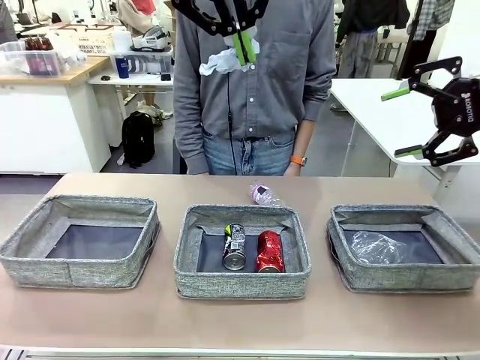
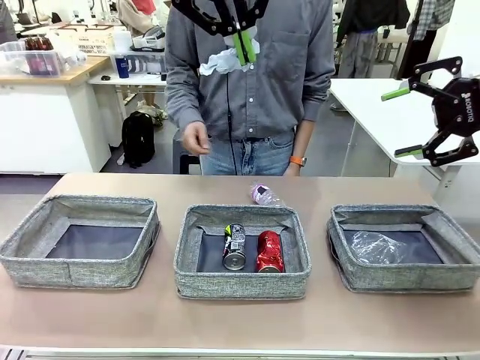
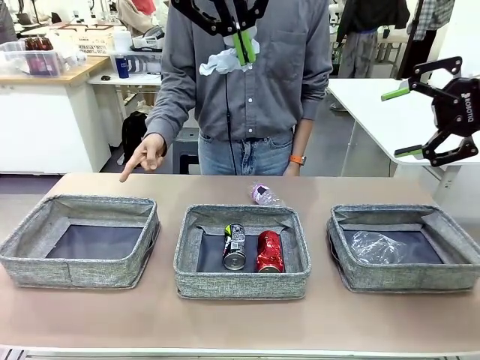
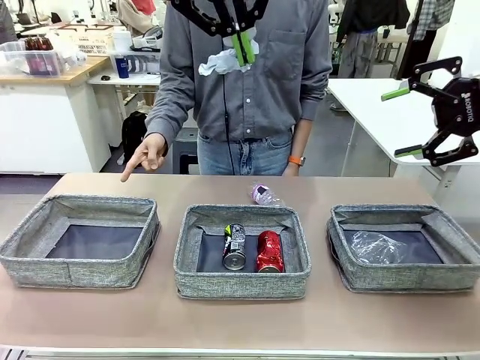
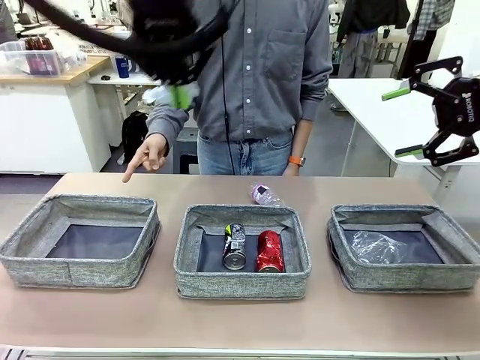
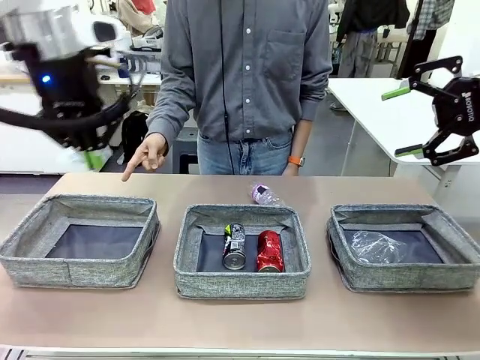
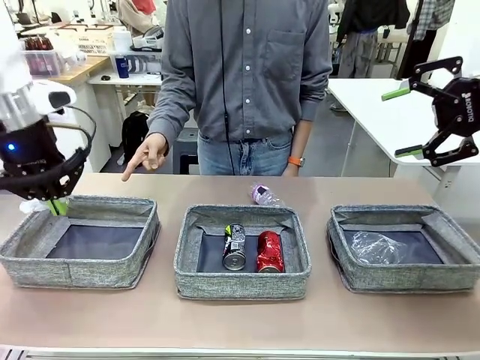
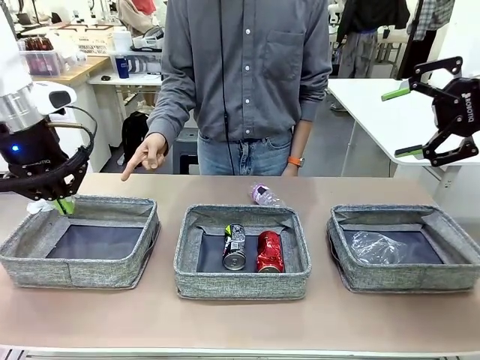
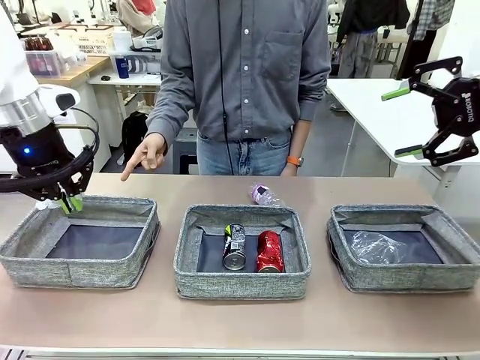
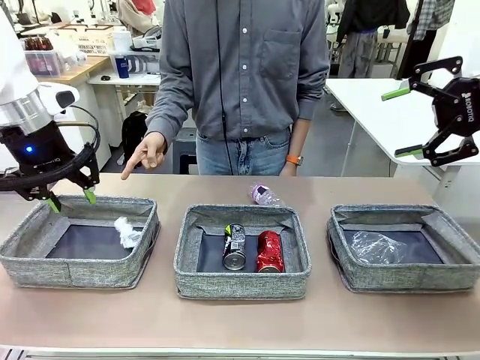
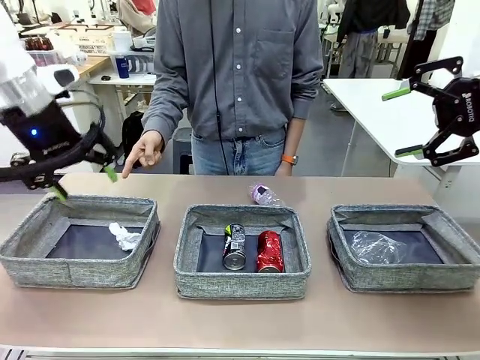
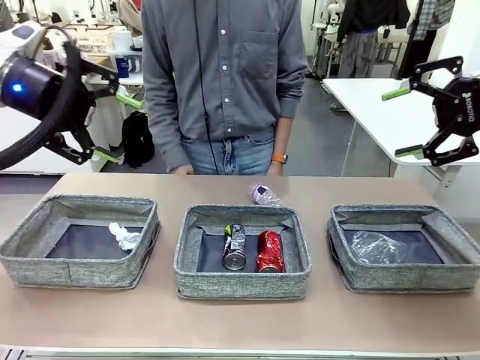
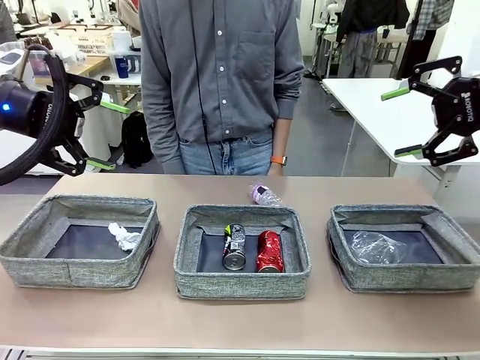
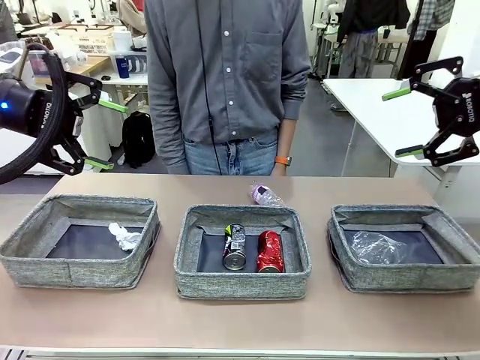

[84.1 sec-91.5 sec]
Task: Sort the waste into the appropriate baskets.
Robot: Place the picked waste into the Fabric basket indicated by the person.
Person: Instructs the robot to place the picked-up trash into the appropriate organizing basket.

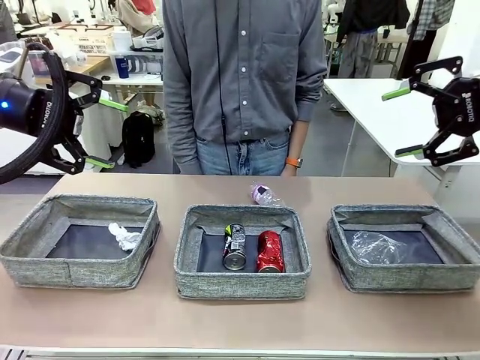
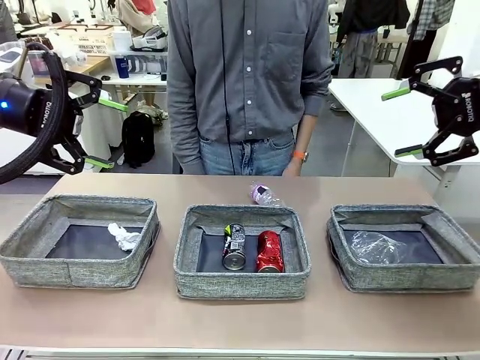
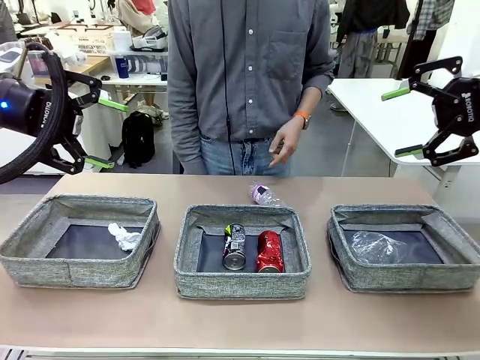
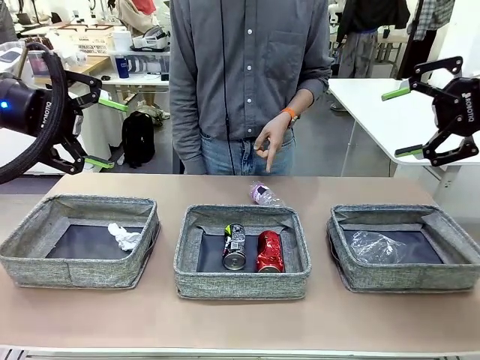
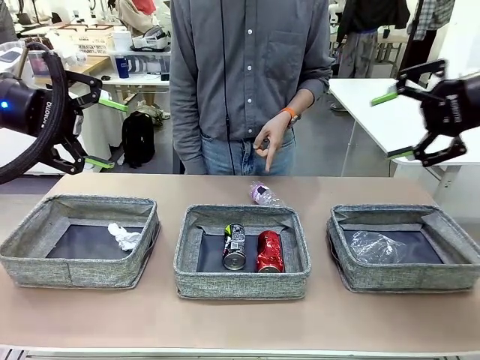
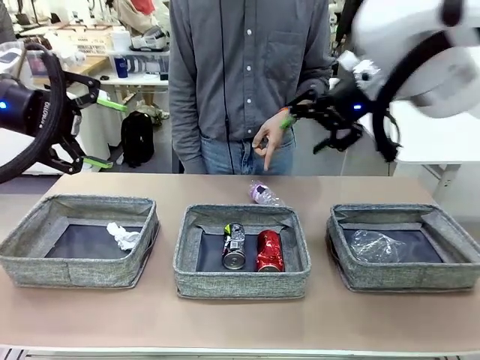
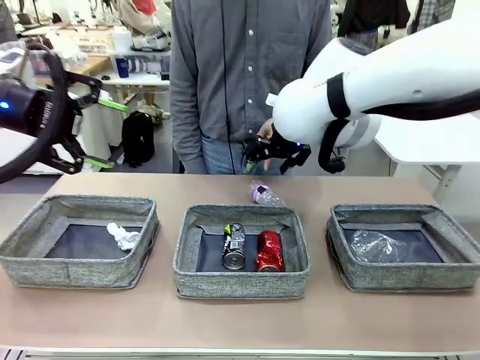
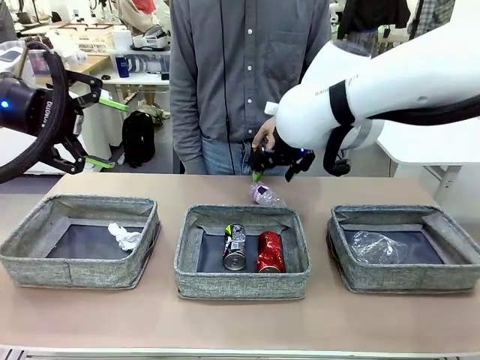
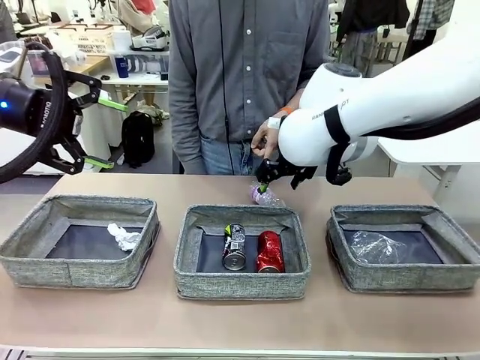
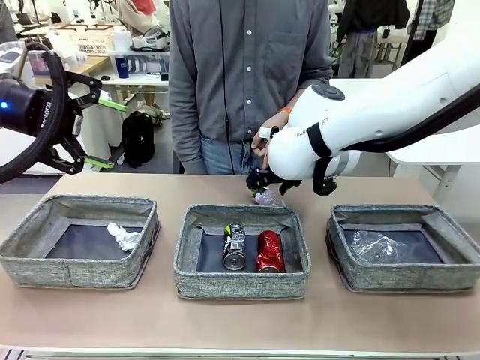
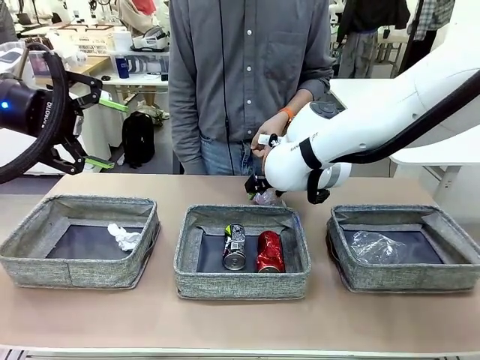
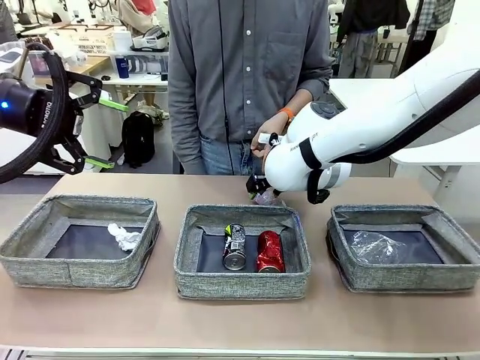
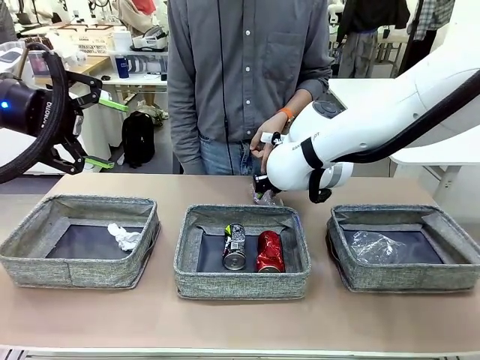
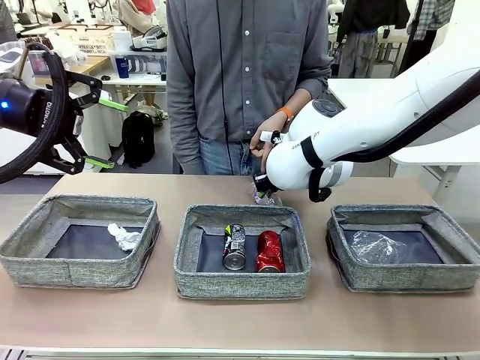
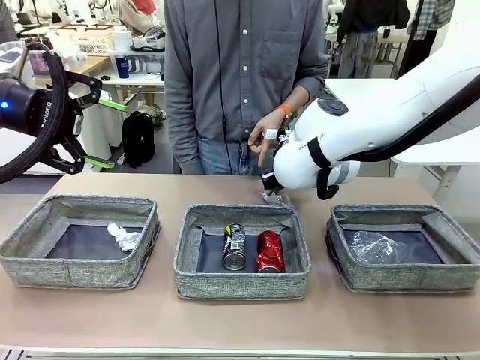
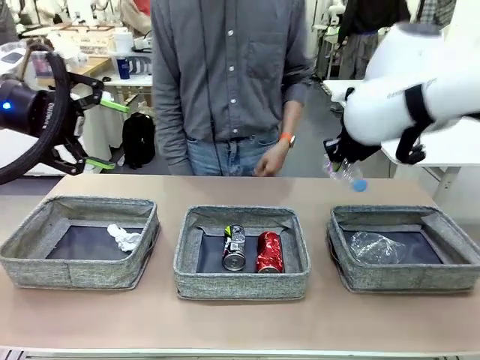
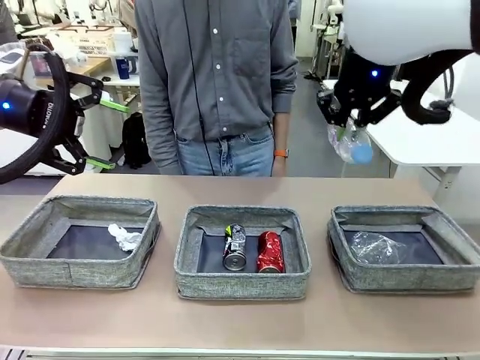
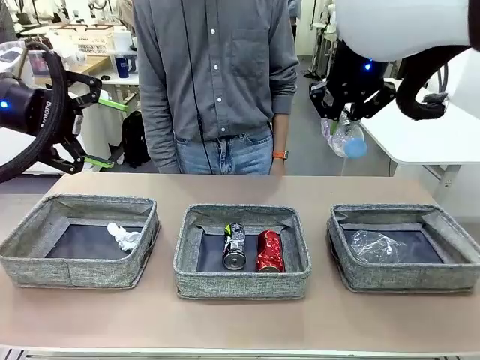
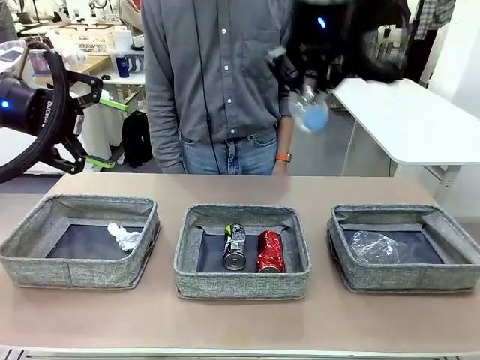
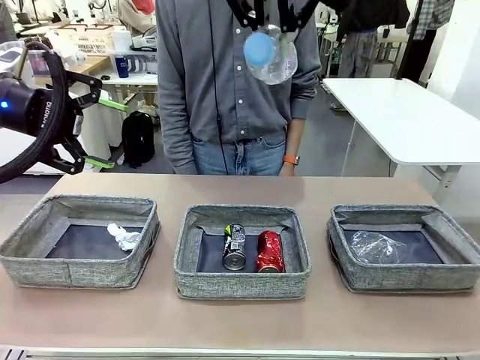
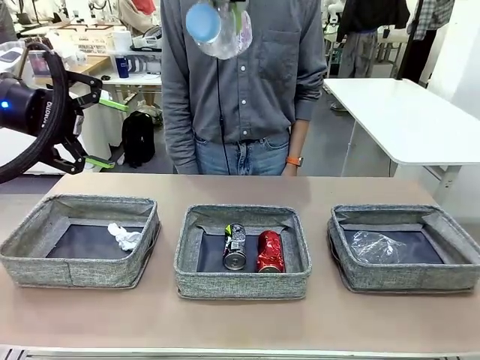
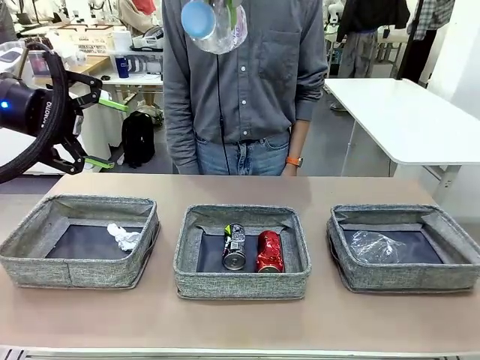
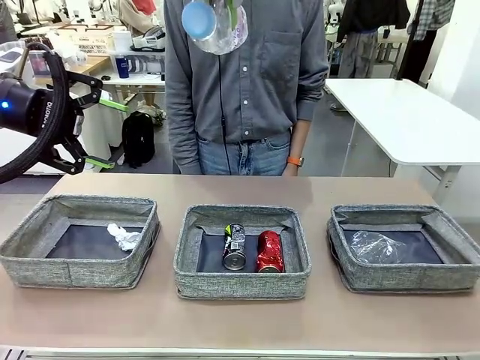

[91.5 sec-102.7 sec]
Robot: Pick up the waste item pointed out by the person.
Person: Points to one piece of trash on the table.

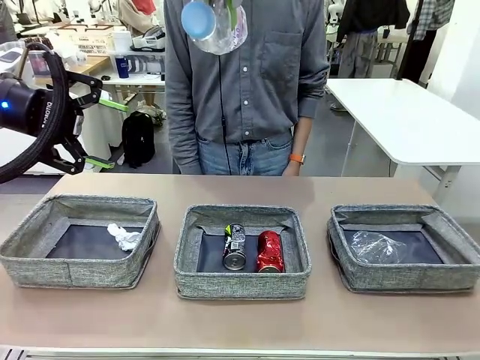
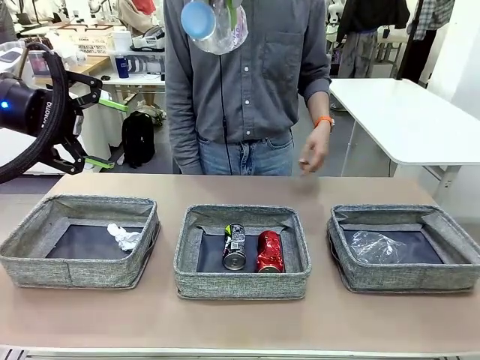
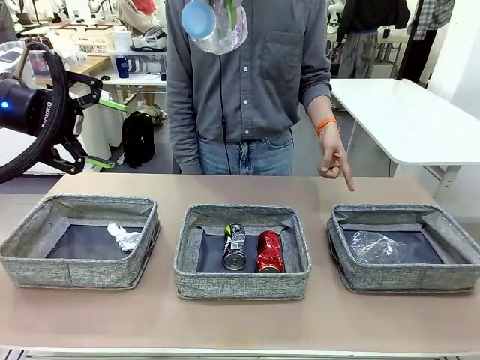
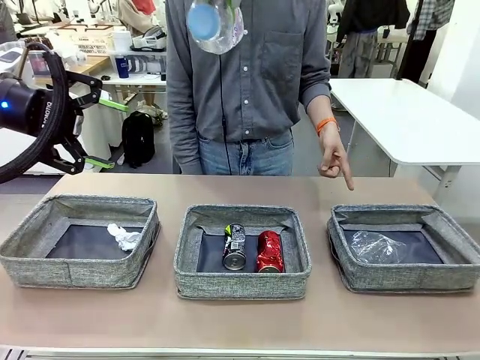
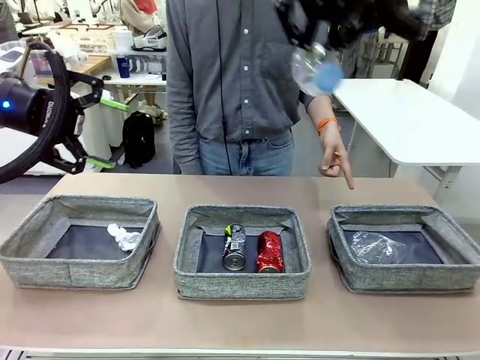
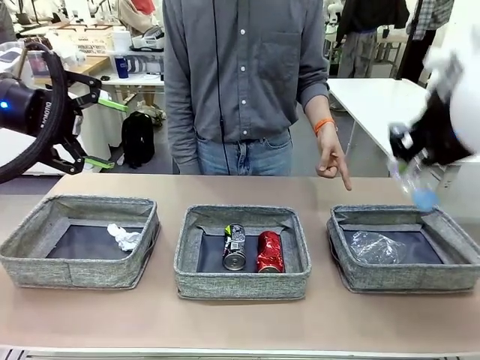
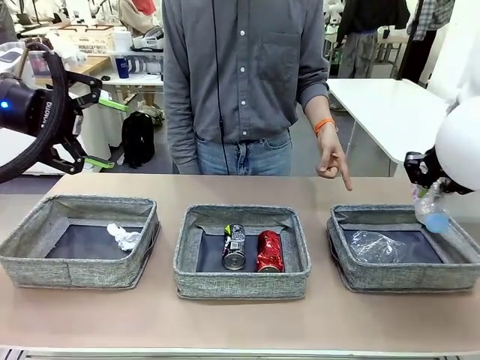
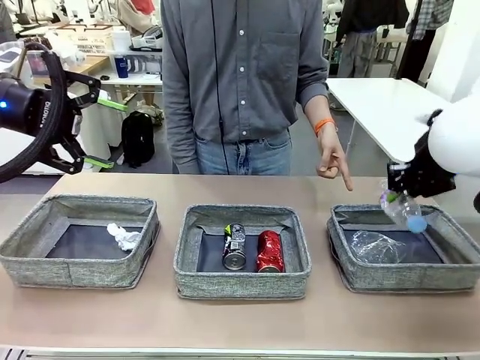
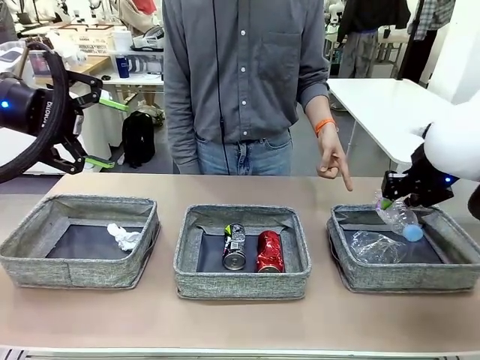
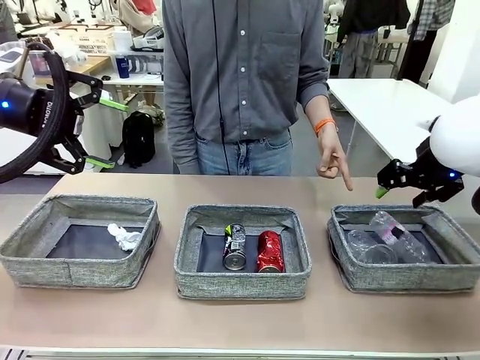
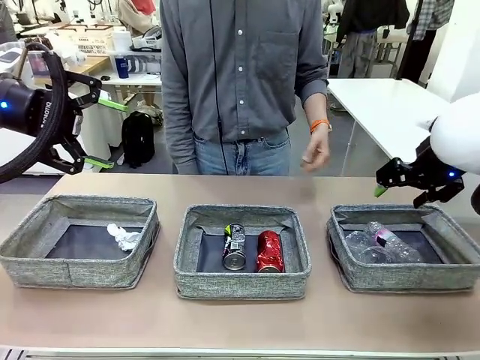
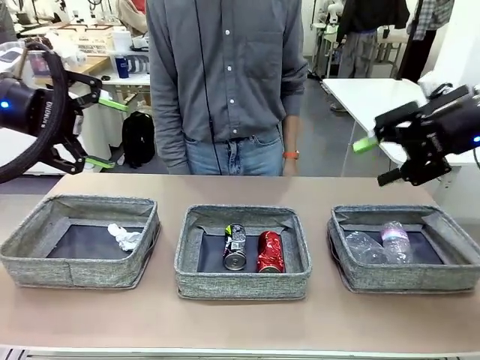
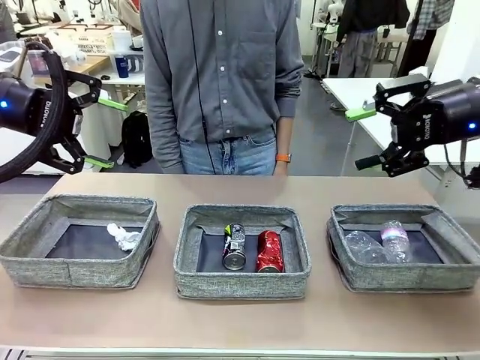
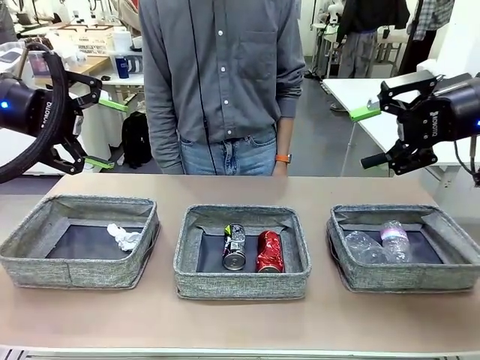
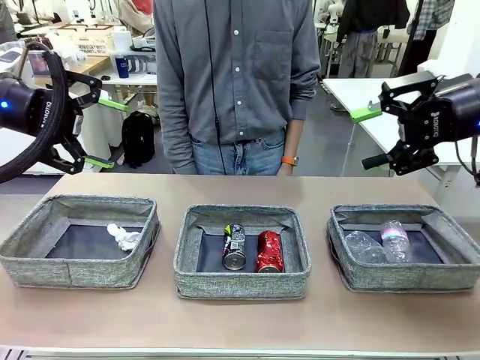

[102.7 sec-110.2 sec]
Robot: Place the picked waste into the Fabric basket indicated by the person.
Person: Instructs the robot to place the picked-up trash into the appropriate organizing basket.
